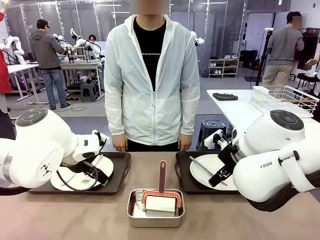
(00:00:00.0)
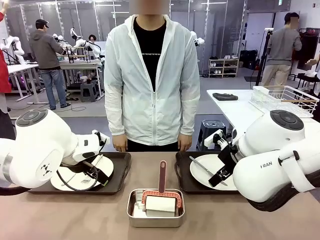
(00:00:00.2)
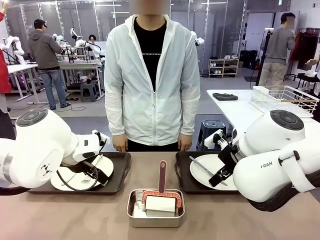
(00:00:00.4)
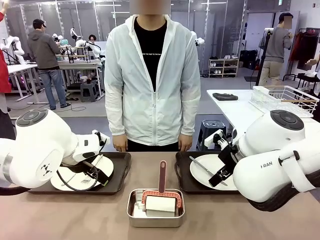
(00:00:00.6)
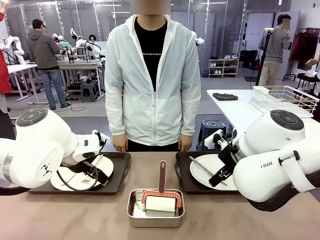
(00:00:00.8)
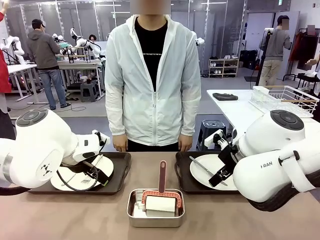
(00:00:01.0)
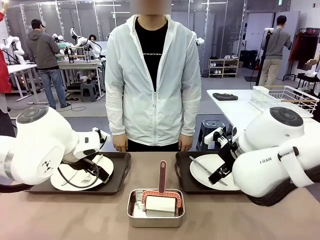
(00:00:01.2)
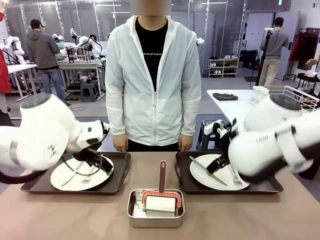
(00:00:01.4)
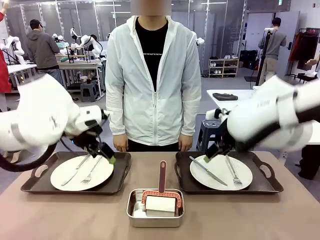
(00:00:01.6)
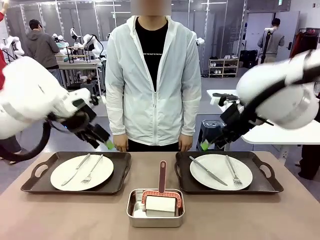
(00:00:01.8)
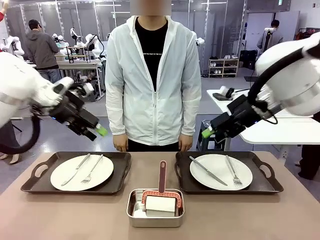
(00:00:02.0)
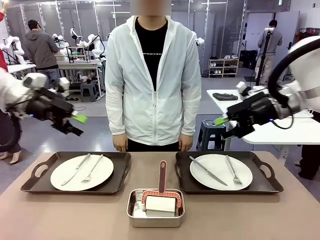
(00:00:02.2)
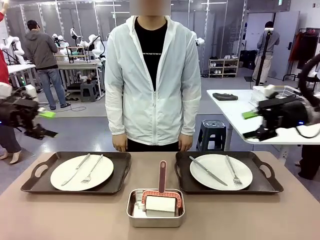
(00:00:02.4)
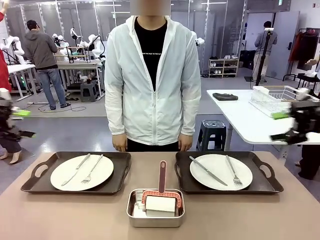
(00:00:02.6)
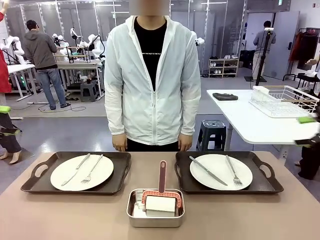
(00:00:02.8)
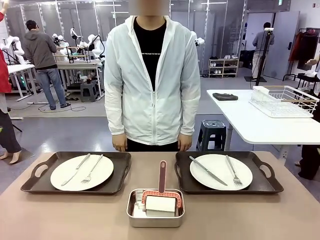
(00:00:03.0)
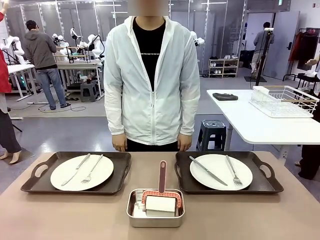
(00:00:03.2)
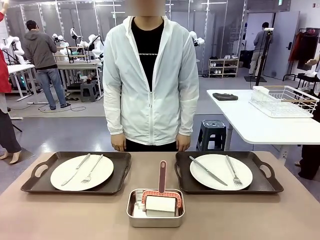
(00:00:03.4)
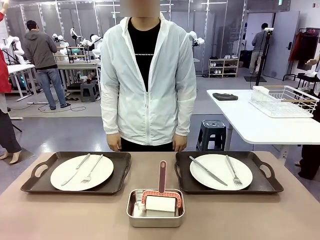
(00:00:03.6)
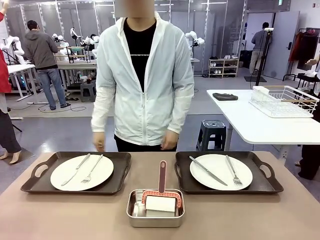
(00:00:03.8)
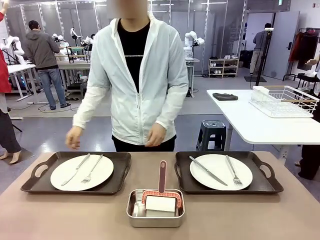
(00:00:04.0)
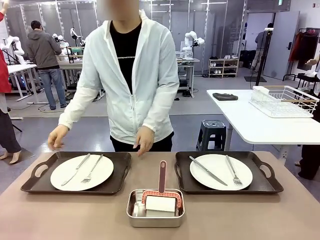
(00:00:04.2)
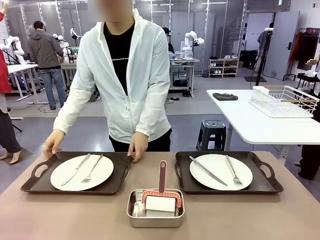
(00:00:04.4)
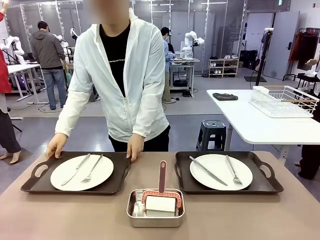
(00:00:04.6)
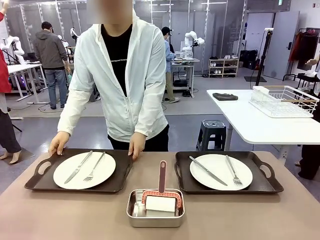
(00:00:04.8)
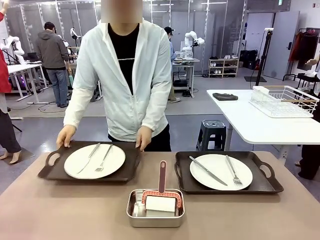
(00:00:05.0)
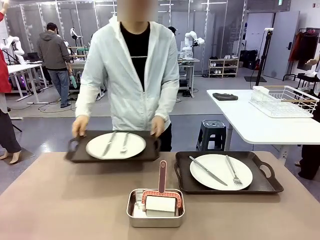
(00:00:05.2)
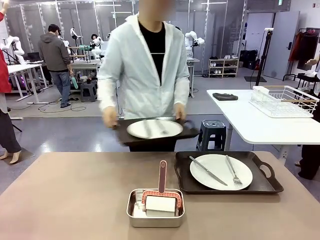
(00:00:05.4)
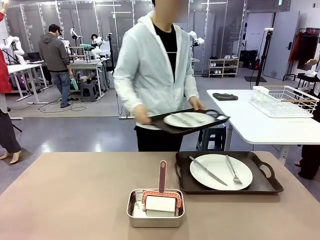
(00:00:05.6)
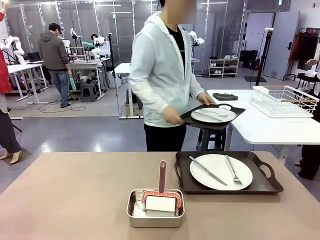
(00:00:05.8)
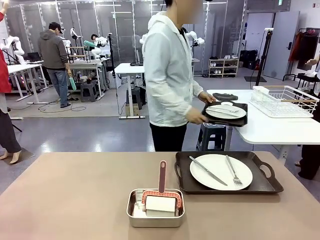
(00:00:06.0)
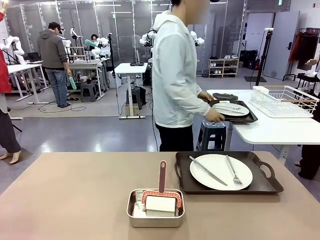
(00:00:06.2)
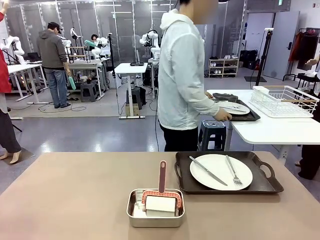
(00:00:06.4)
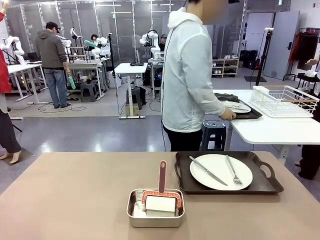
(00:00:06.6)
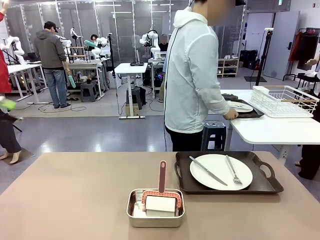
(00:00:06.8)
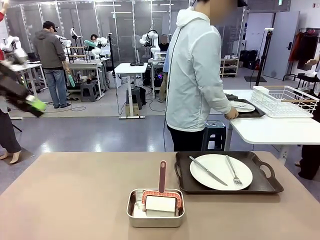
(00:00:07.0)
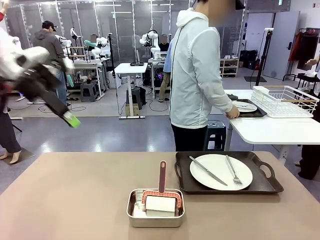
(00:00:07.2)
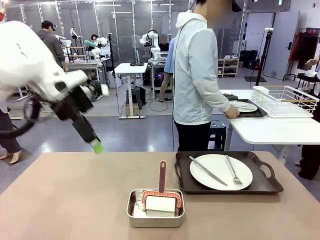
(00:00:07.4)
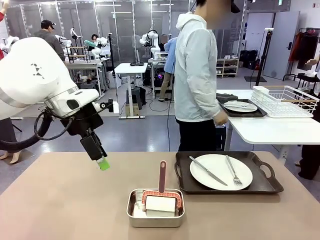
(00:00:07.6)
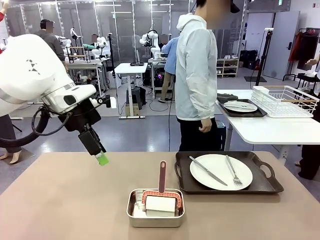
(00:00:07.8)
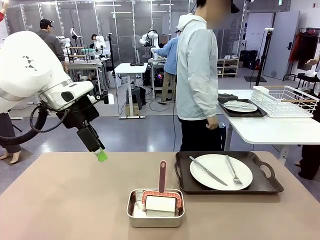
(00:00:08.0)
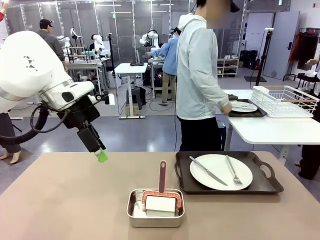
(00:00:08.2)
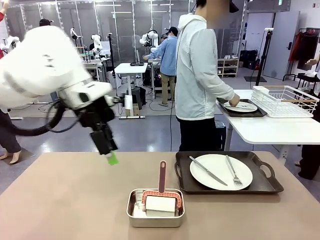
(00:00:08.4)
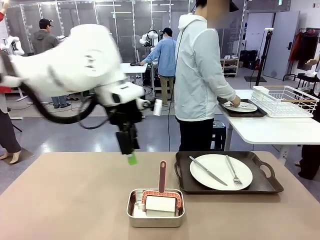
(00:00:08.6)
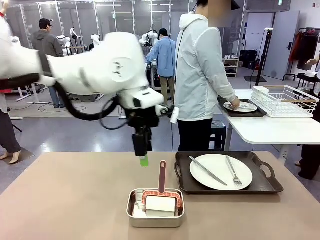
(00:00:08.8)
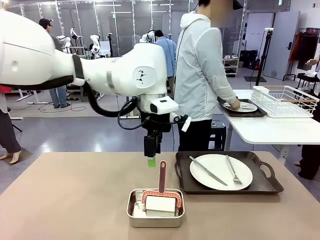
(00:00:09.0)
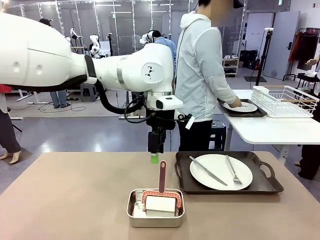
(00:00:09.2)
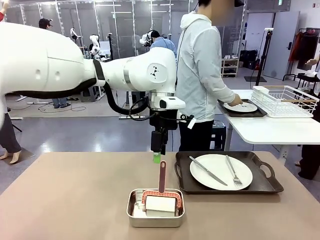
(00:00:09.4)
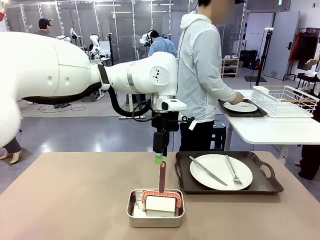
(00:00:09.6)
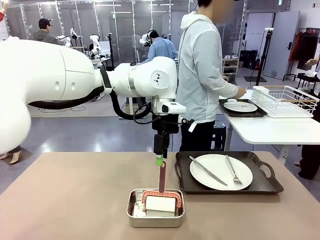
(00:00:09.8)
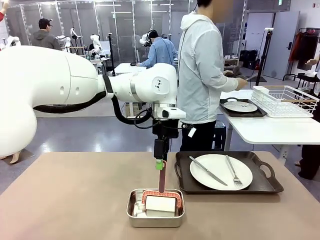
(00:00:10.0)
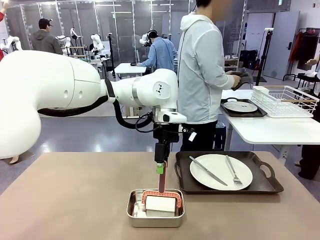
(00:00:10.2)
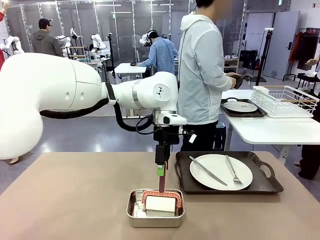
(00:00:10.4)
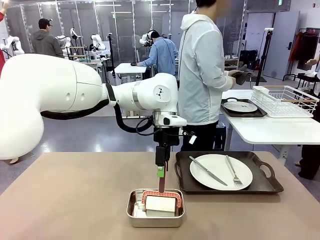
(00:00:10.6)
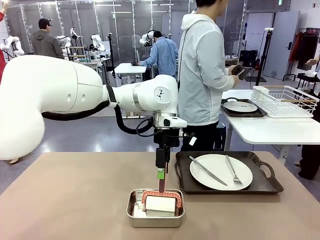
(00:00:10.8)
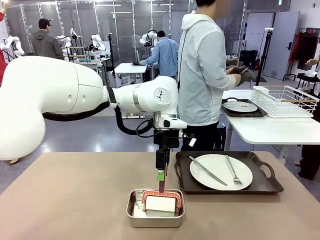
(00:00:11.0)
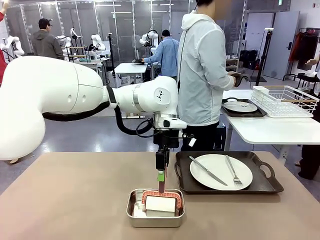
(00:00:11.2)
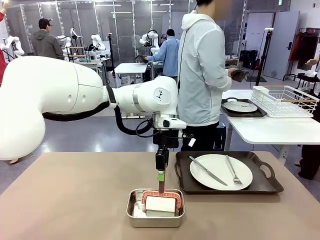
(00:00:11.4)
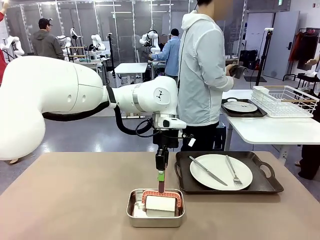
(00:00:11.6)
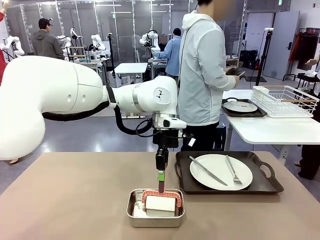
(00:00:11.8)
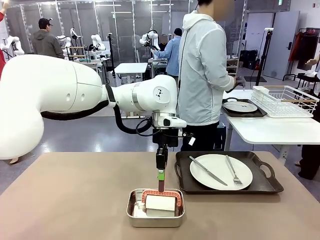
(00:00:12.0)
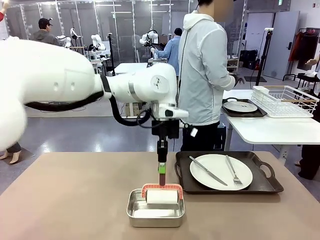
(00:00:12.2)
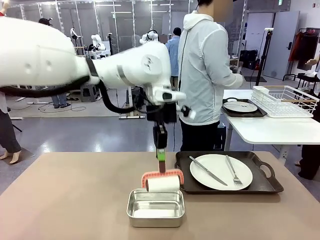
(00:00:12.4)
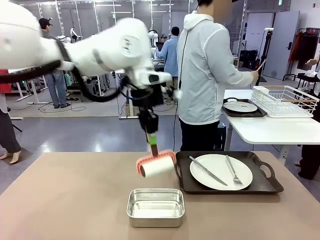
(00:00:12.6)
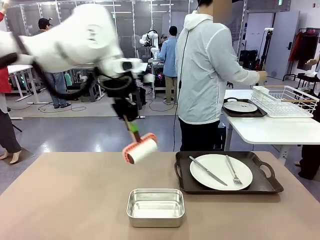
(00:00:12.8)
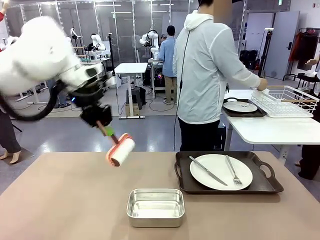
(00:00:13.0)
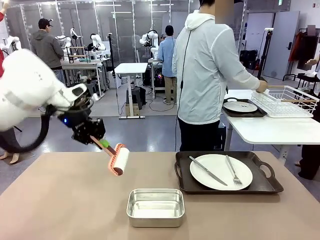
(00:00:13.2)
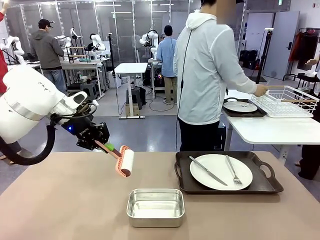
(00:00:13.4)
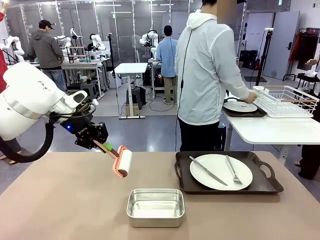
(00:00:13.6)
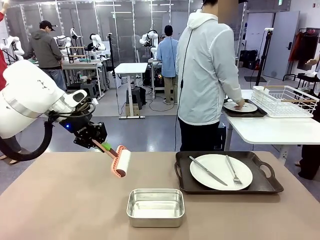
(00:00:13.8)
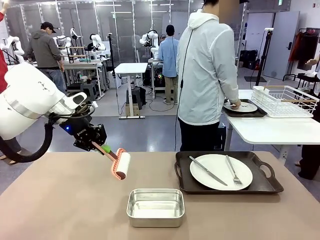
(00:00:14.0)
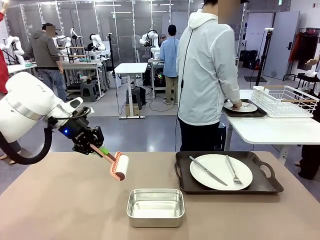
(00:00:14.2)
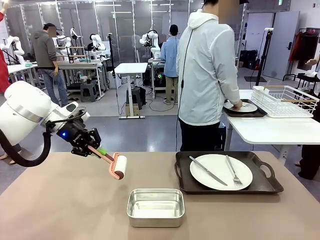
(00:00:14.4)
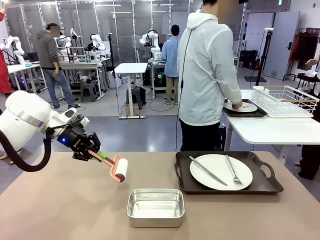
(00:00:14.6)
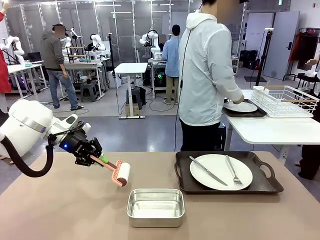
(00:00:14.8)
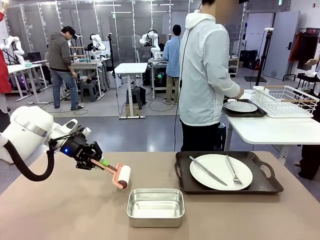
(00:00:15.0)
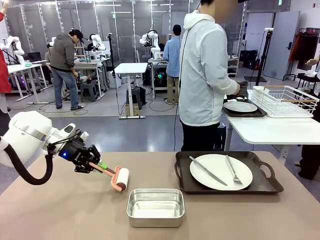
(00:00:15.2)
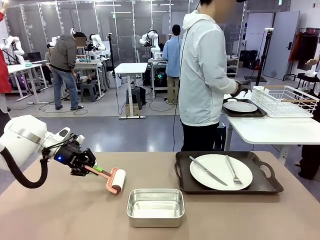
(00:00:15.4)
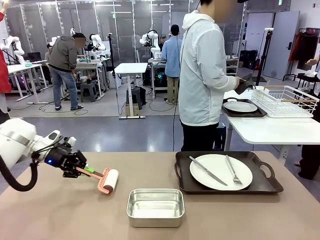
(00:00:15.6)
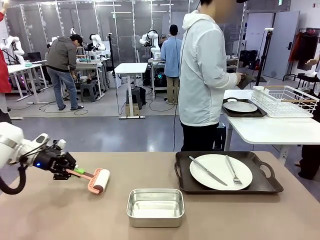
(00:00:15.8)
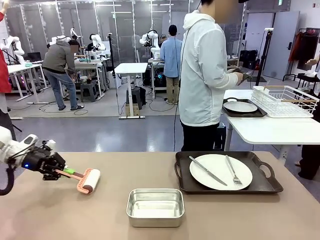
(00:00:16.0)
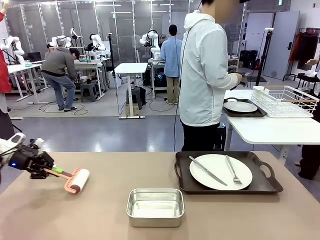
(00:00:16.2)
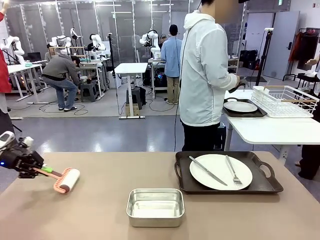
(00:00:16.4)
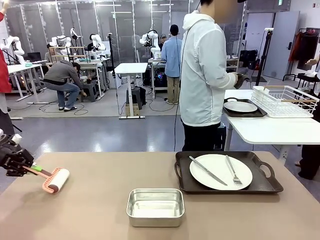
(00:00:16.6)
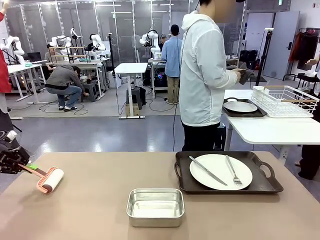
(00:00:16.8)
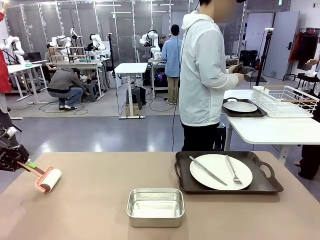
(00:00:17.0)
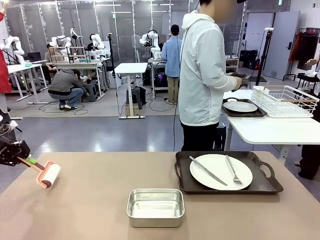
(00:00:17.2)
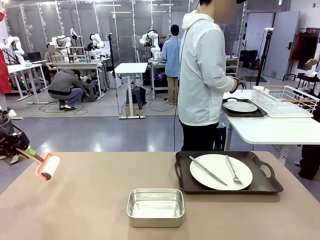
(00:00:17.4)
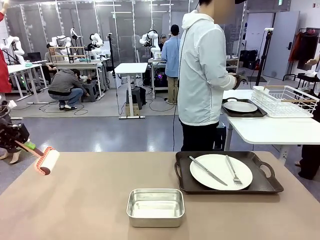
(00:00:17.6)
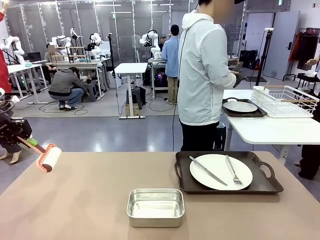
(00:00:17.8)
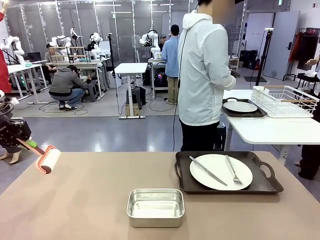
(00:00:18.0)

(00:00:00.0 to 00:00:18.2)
Robot: When the left (or right) Handle tray is removed, use the left hand (or right hand) to clean the left (or right) side of the table with the Lint Roller.
Person: Pick up the left (or right) Handle tray and place it on the middle of the Human's table. Use the Towel with hook to wipe the Plastic Matte Plate , Fork , and Knife and place into the Dish drying rack.

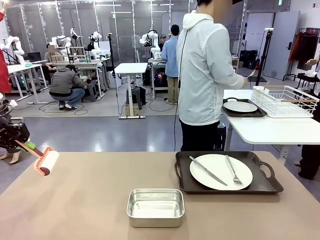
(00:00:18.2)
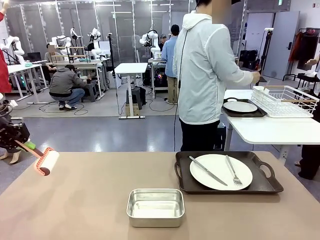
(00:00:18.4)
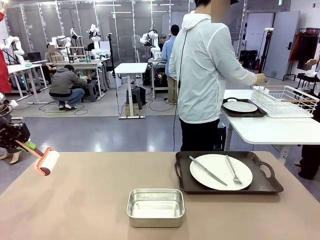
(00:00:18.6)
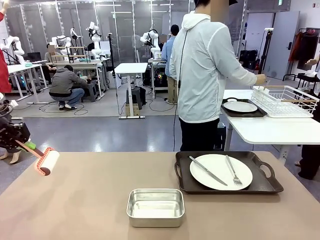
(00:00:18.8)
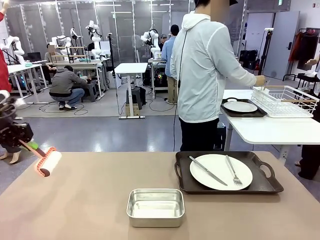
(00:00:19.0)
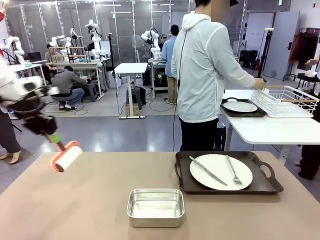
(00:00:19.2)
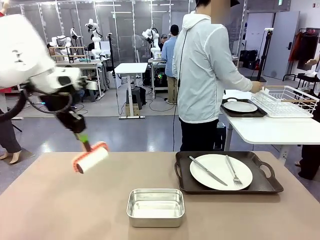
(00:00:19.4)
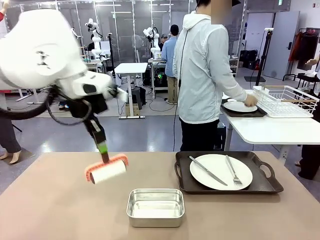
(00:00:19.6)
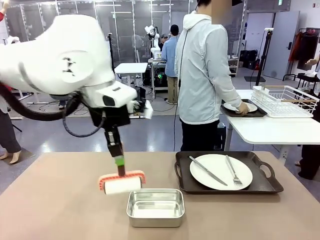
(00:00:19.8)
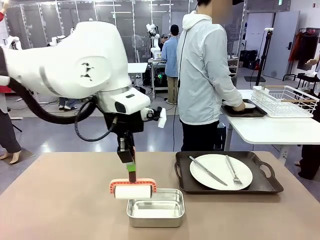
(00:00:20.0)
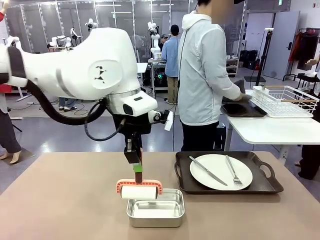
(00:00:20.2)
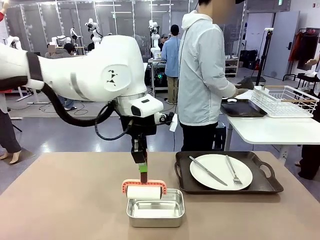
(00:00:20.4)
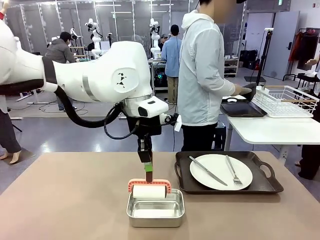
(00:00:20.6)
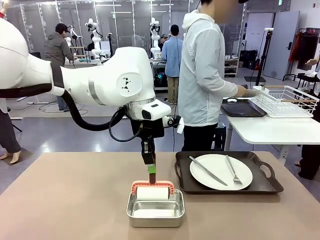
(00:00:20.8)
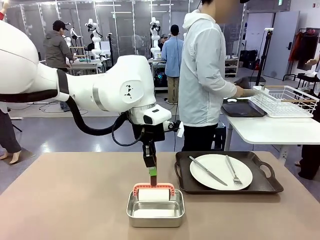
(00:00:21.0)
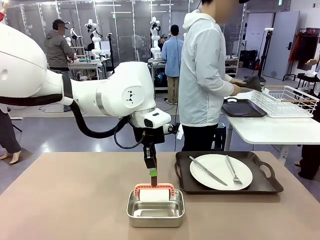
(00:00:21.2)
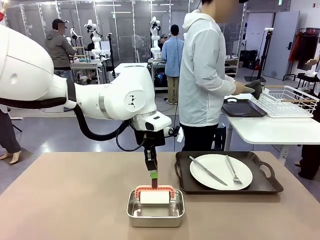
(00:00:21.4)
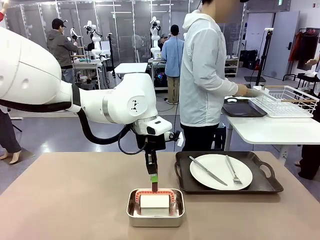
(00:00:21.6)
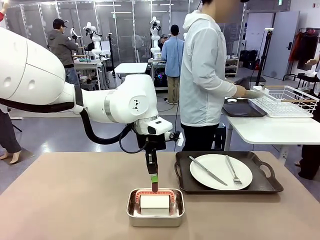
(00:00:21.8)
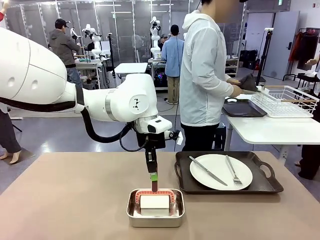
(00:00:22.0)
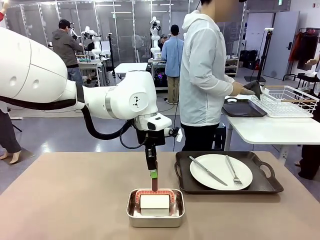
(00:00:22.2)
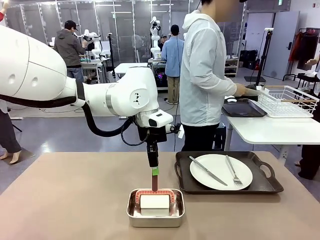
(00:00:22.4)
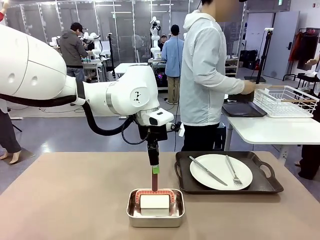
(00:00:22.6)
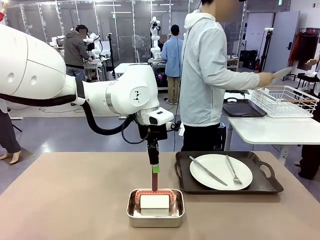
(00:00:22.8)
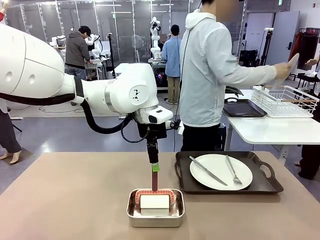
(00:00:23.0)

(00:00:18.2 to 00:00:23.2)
Robot: Place the Lint Roller back on top of the Airtight Container.
